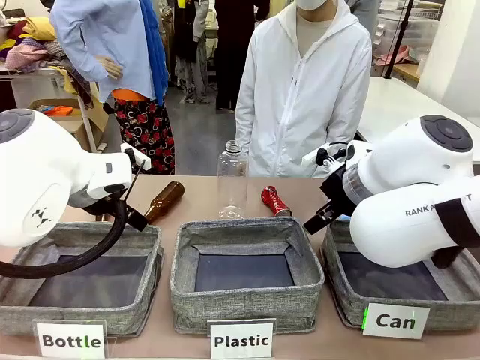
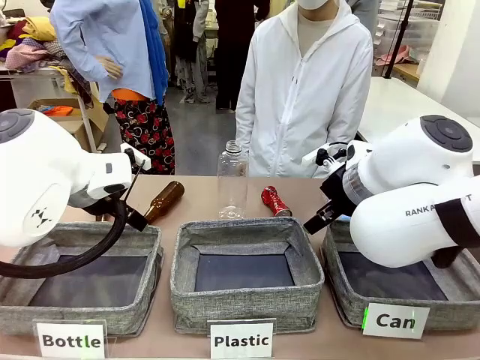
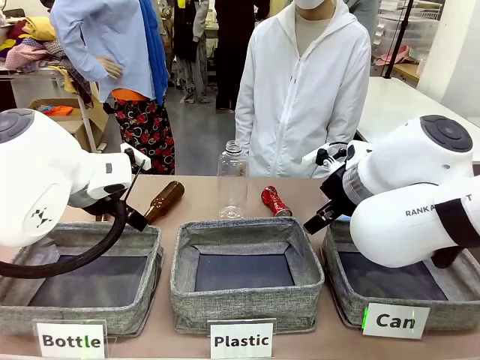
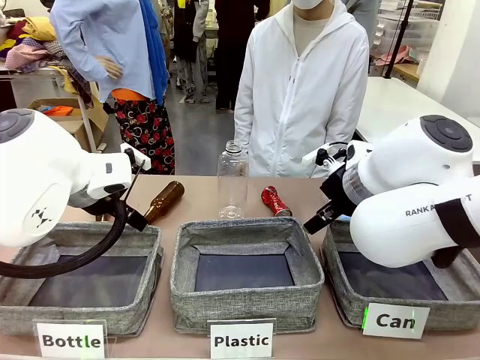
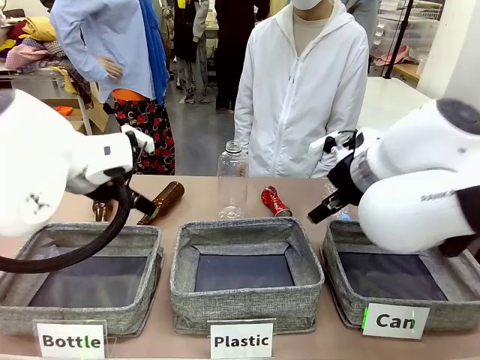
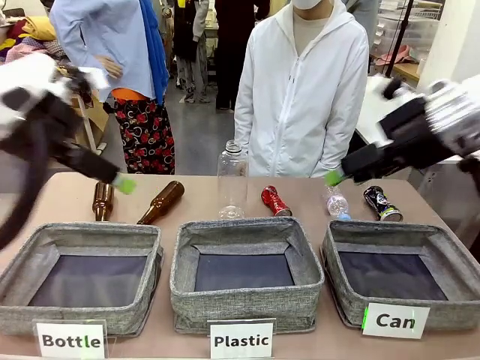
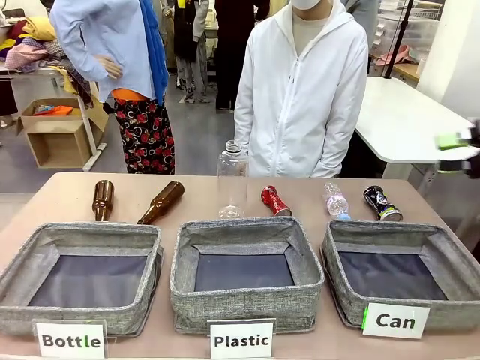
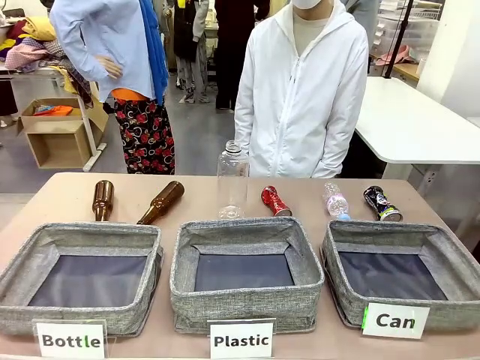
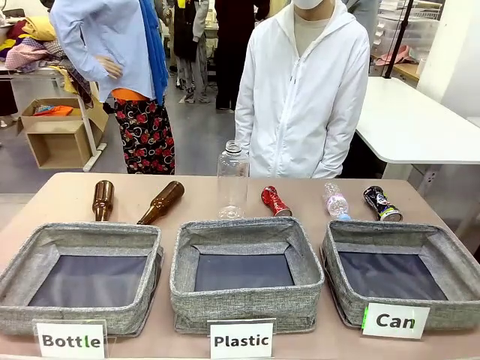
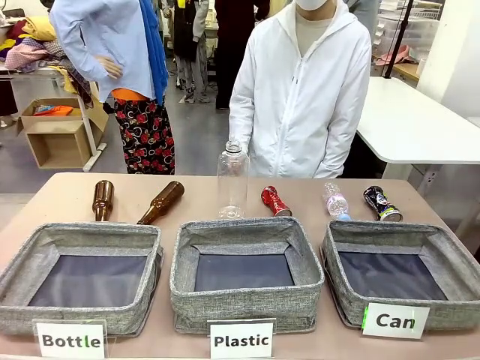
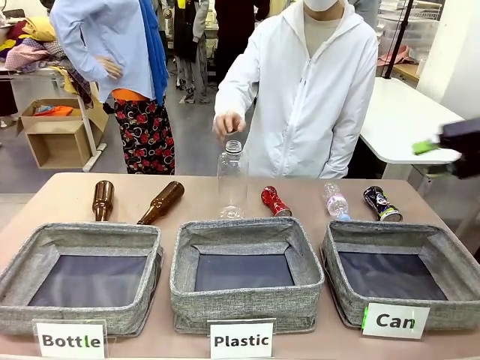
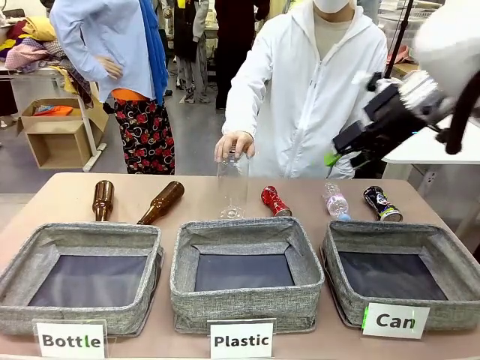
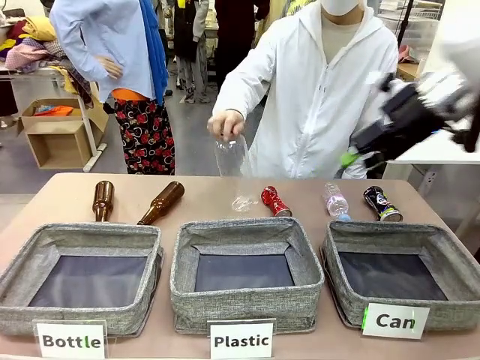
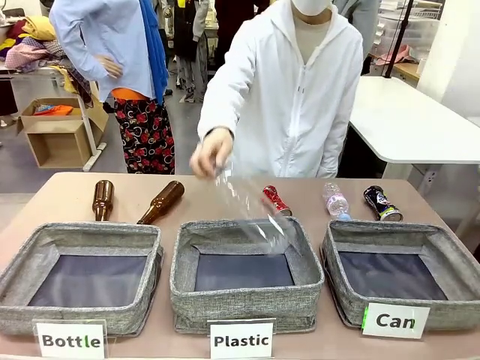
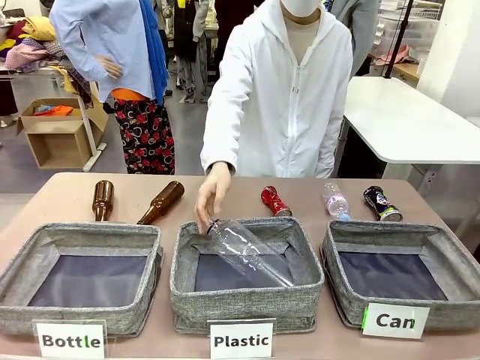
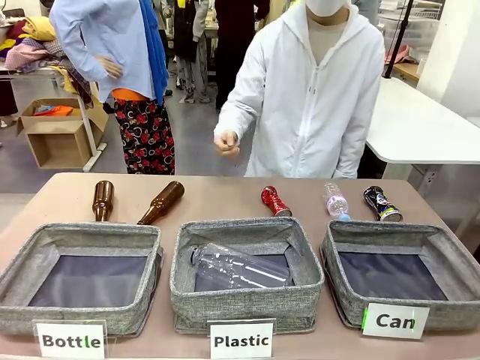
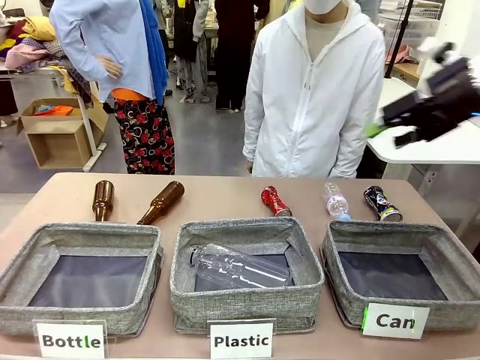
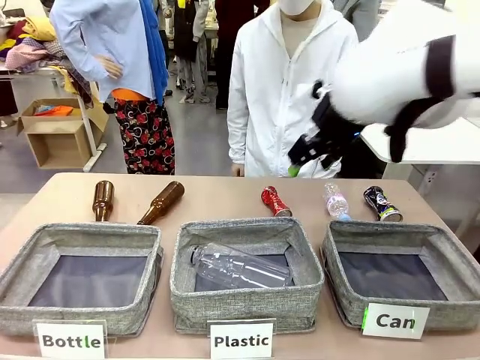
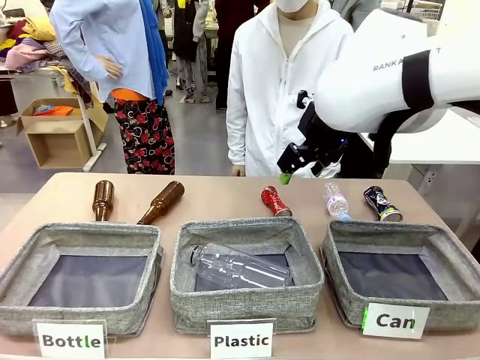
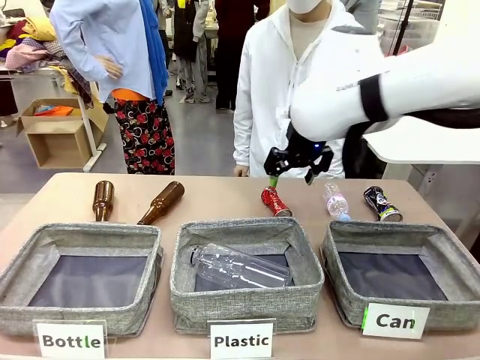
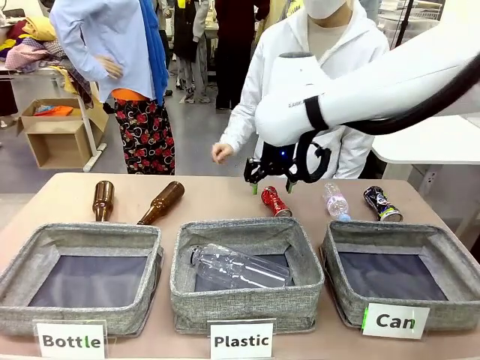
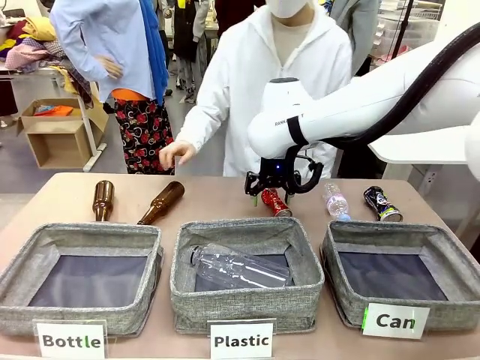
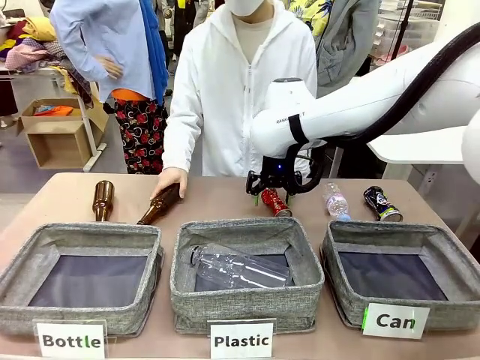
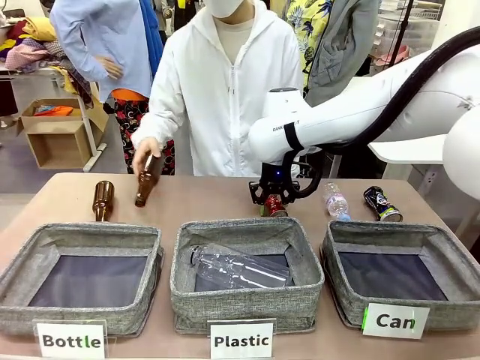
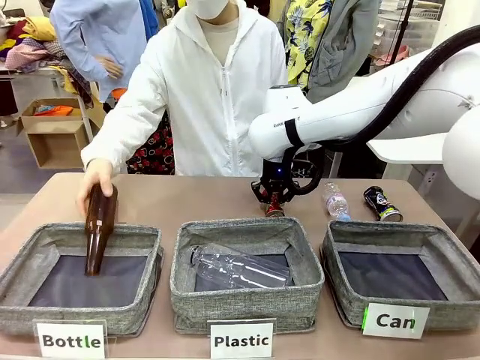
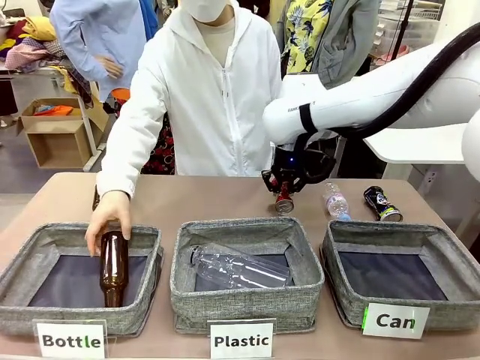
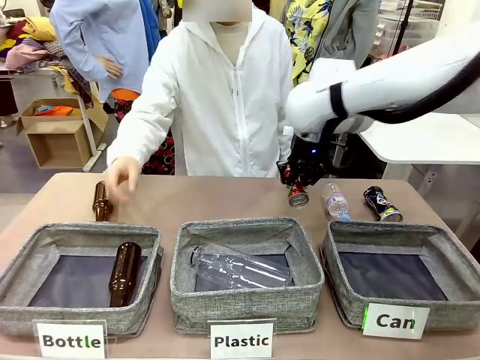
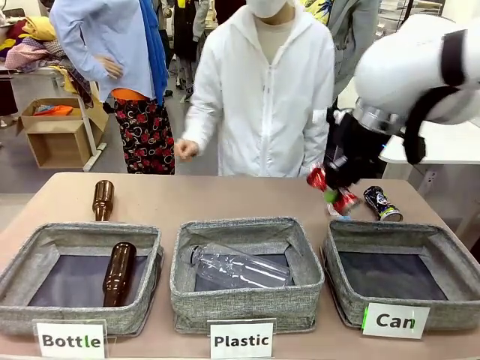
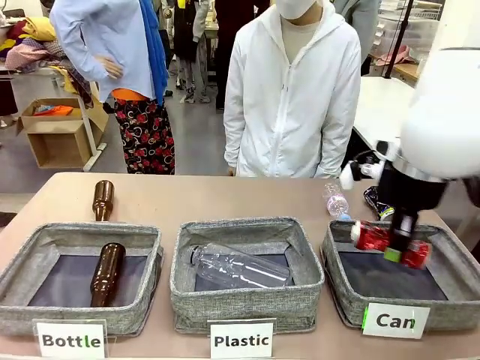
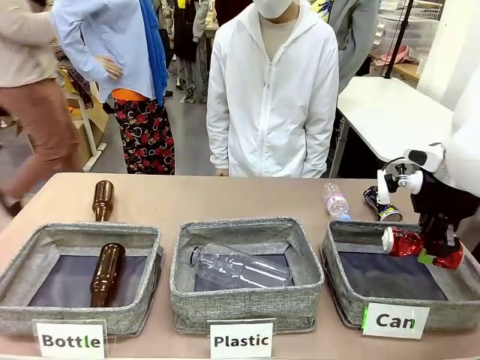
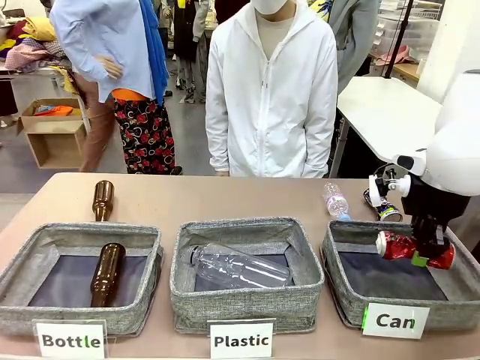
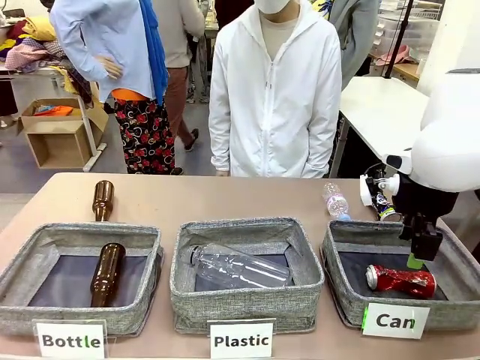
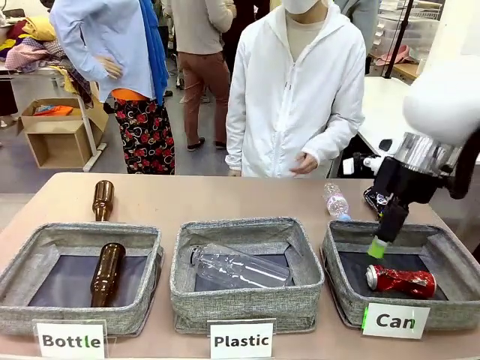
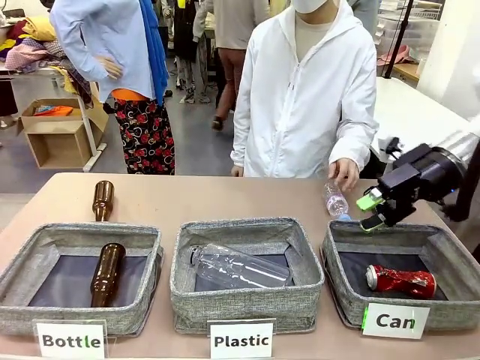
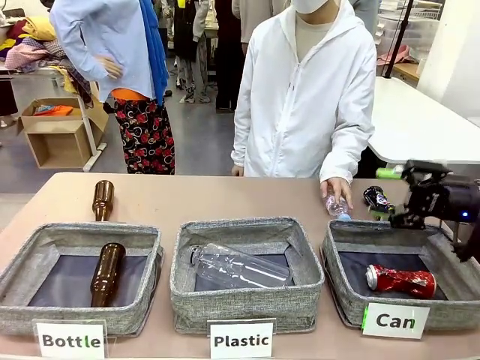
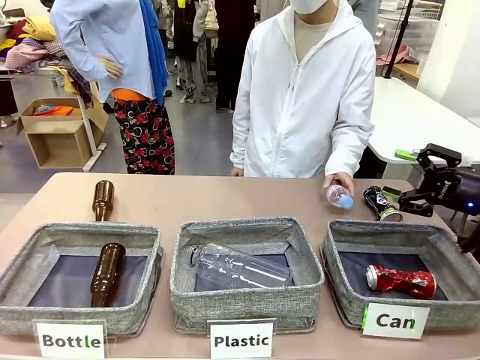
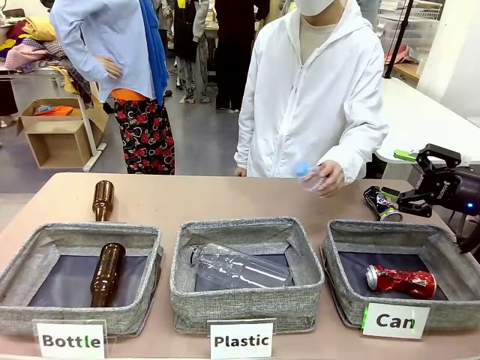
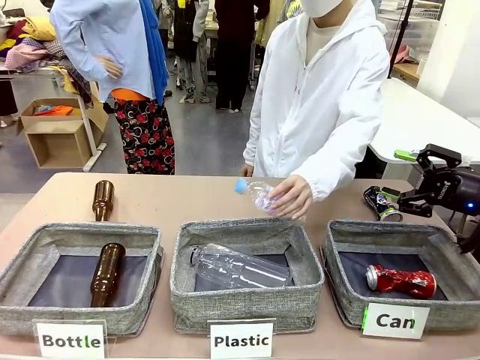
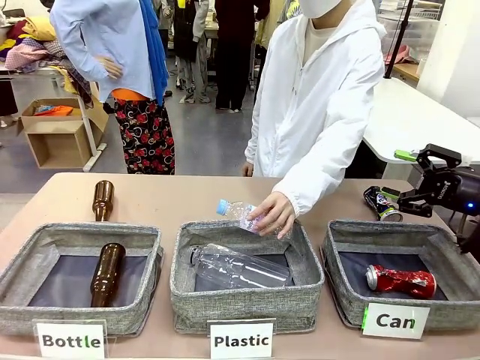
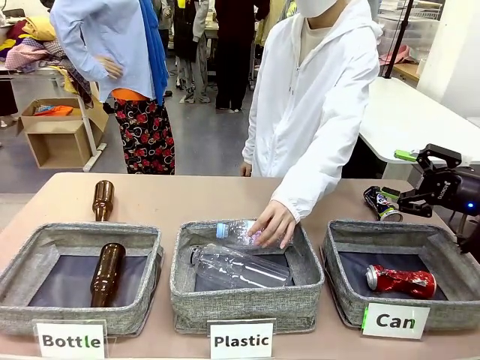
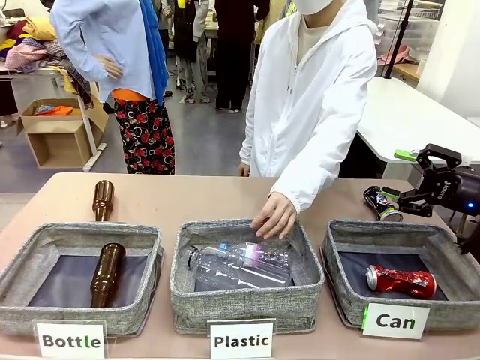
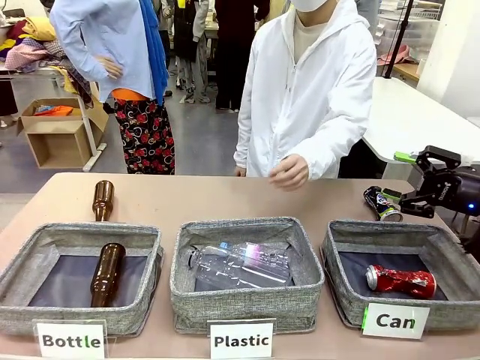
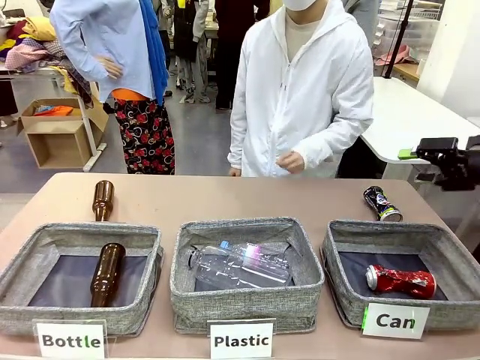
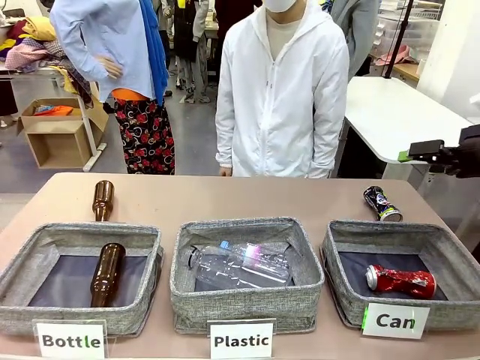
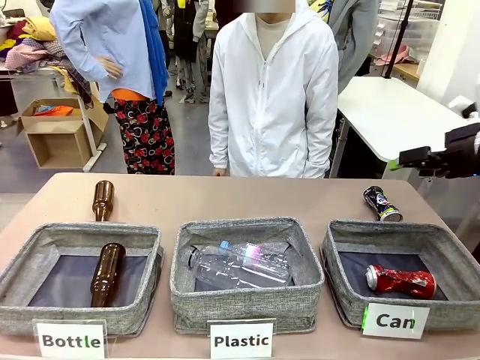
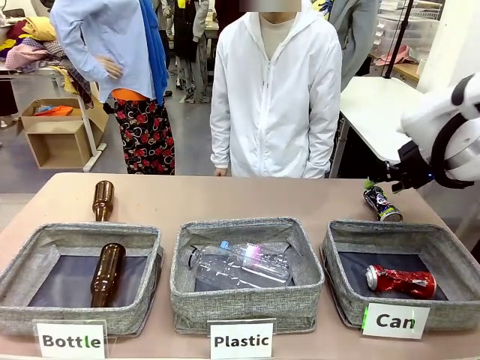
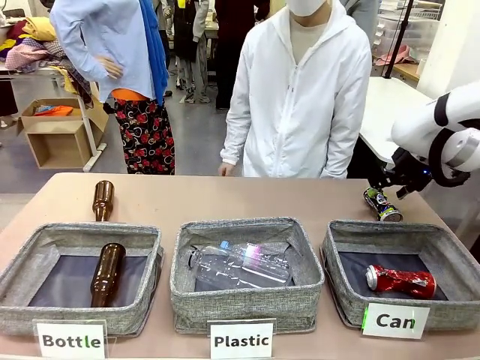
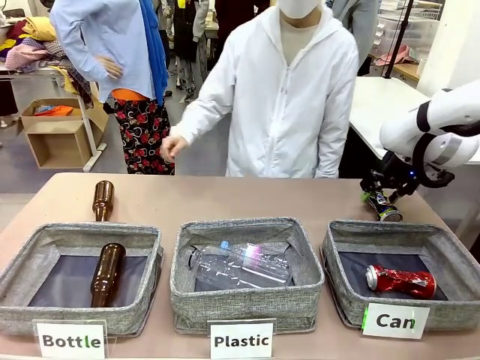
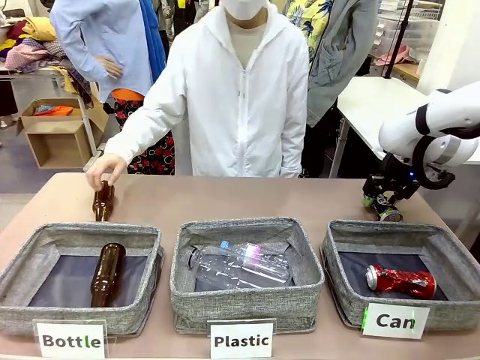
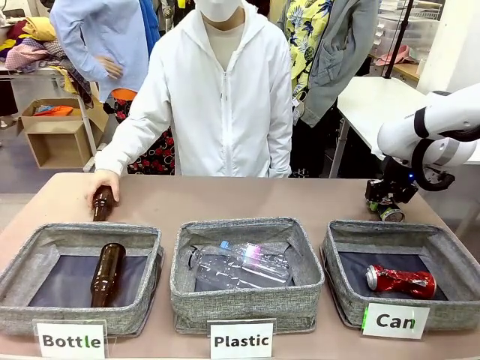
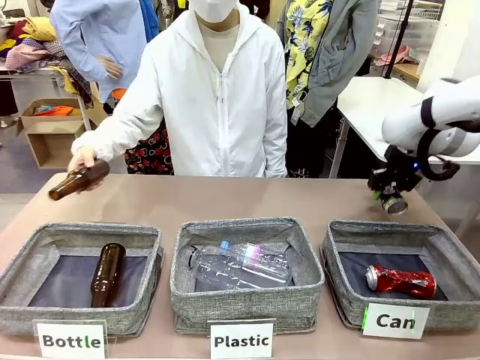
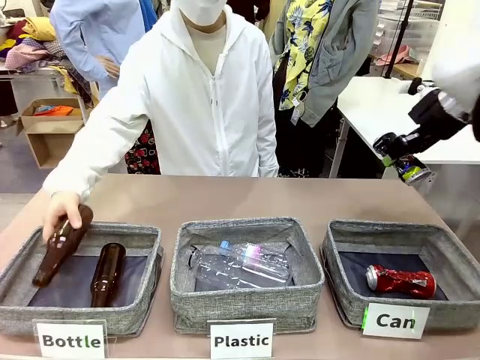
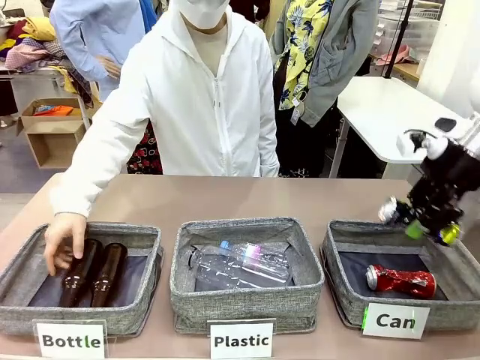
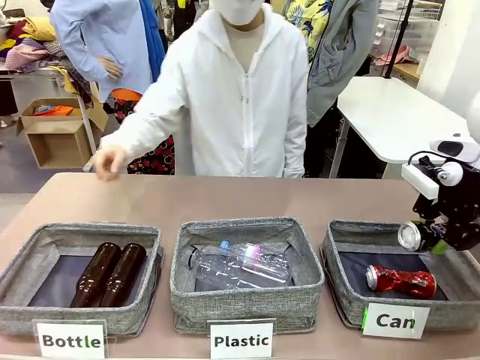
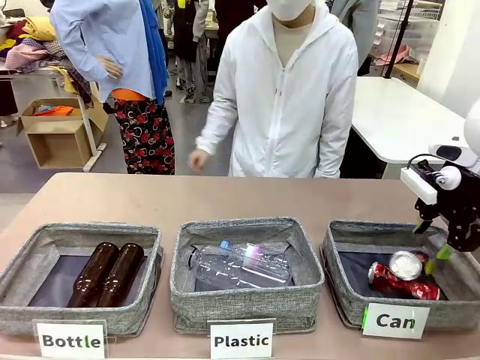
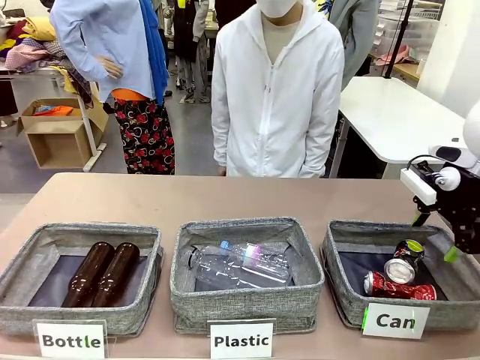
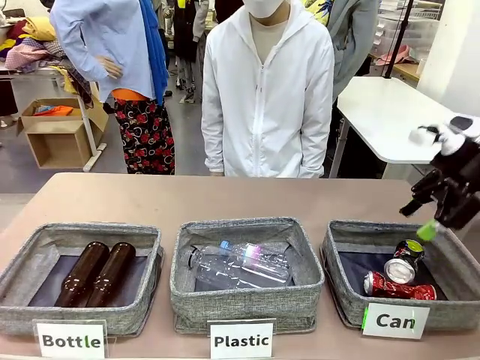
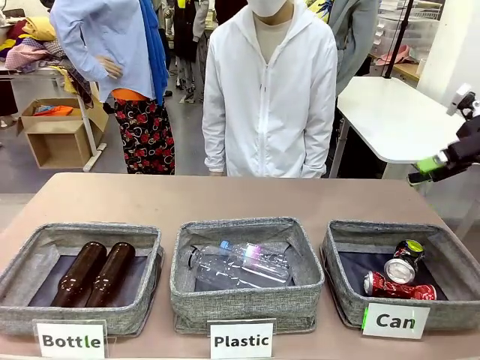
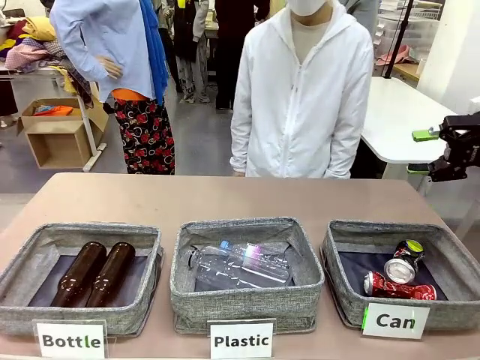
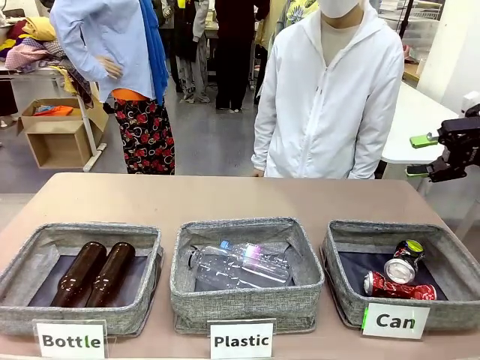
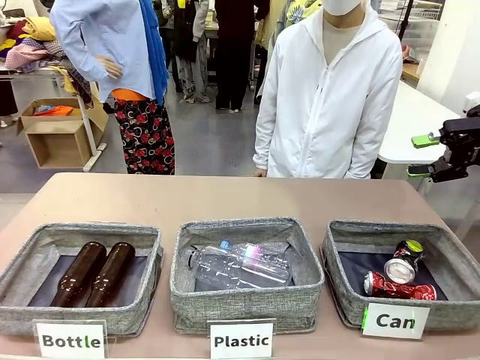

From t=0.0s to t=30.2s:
Task: Sort the can waste into the basket.
Robot: Pick up the can waste from the table and place it in the right Fabric basket.
Person: The human picks up one piece of trash that is not a can and places the trash into the appropriate organizing basket.
